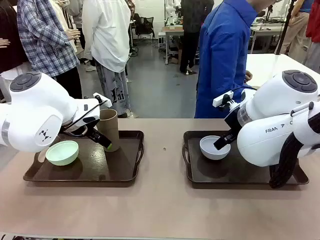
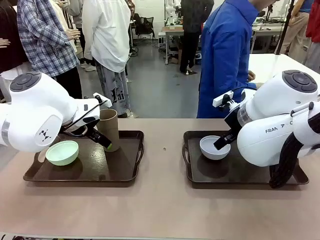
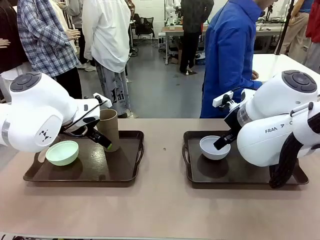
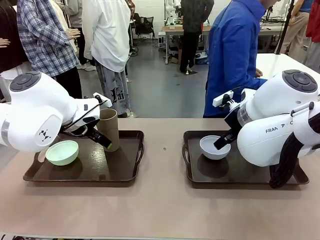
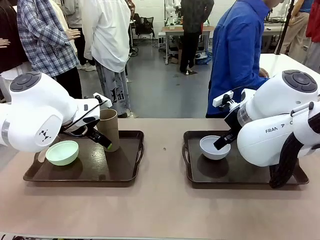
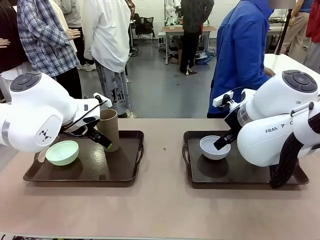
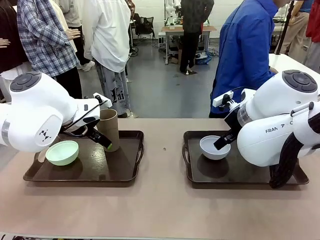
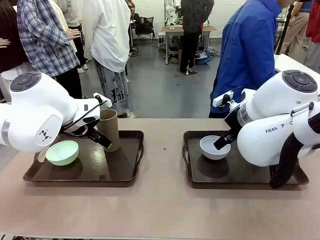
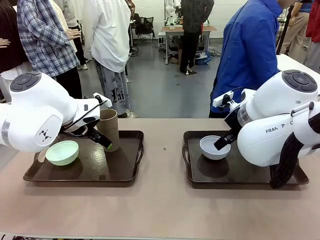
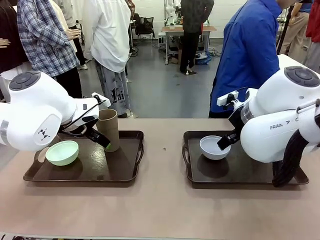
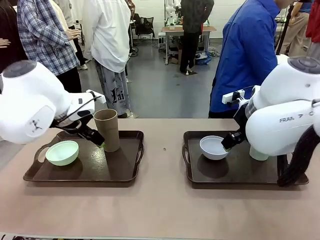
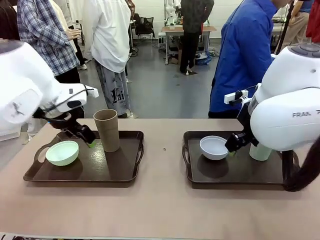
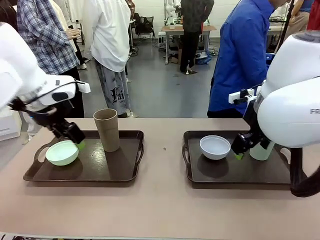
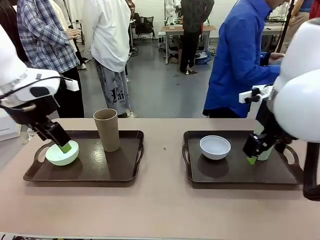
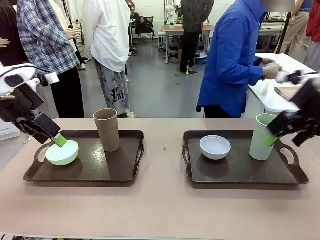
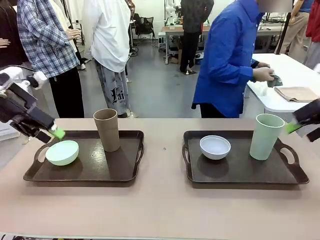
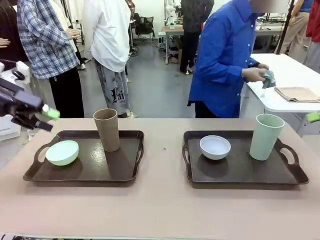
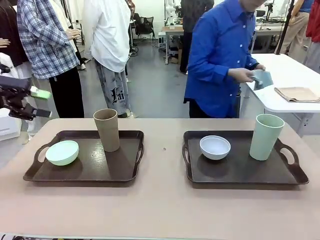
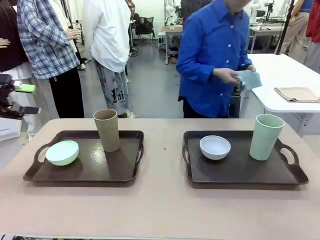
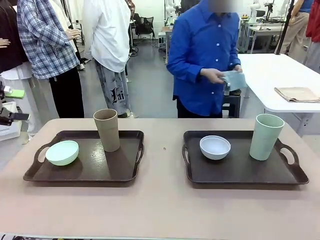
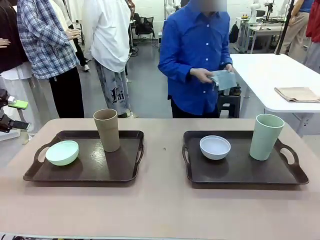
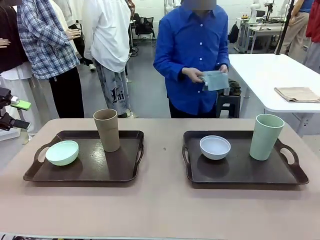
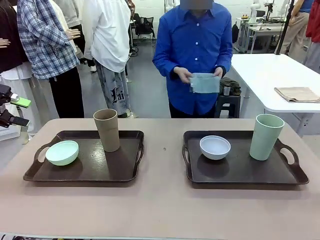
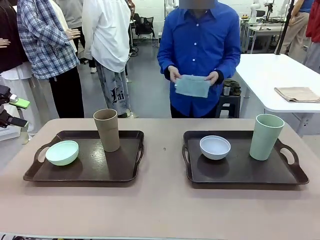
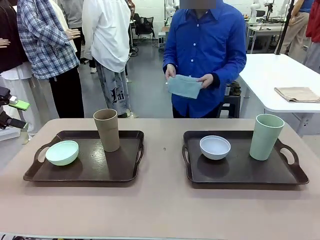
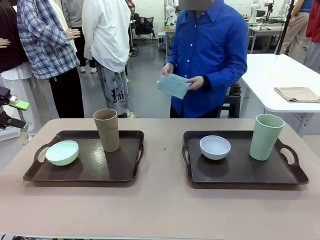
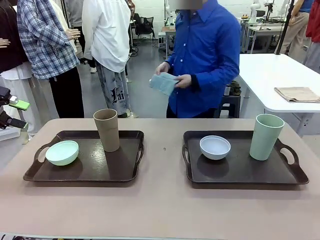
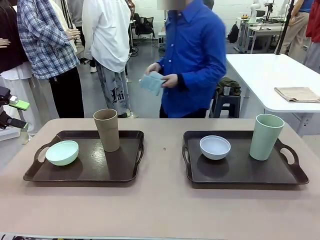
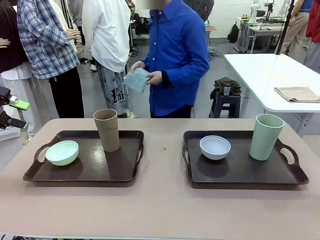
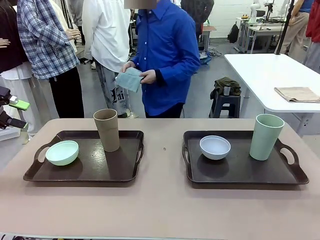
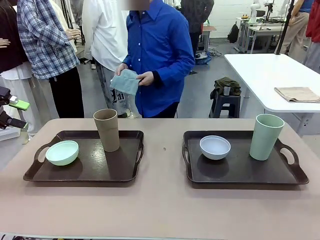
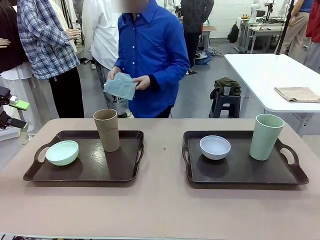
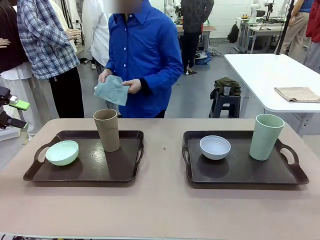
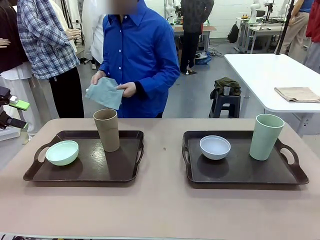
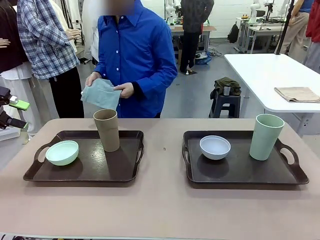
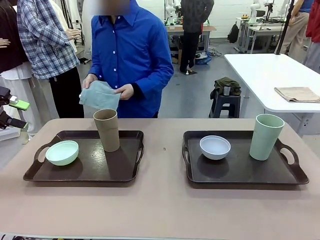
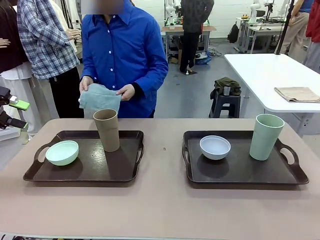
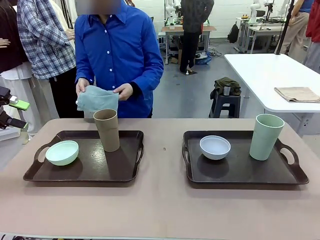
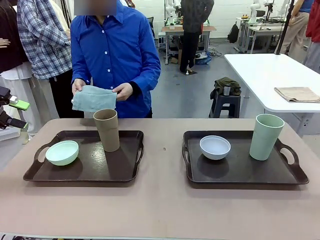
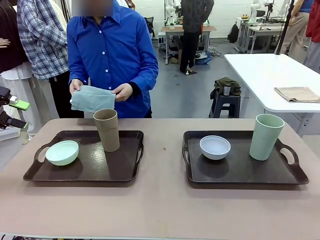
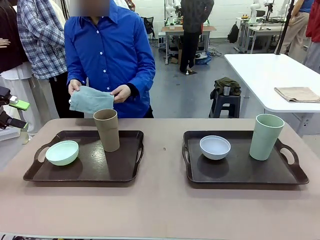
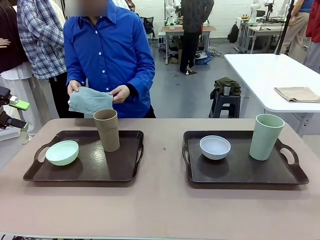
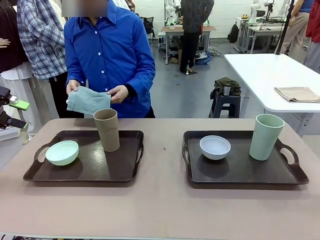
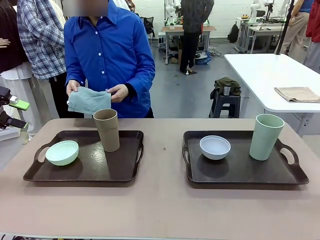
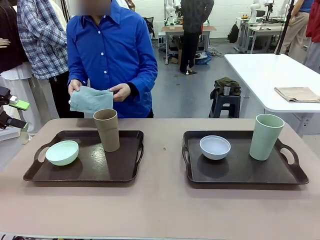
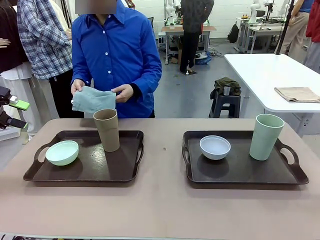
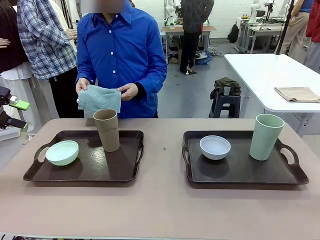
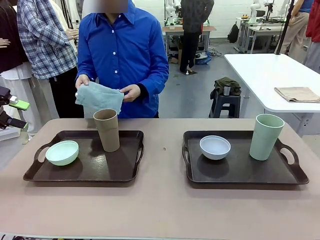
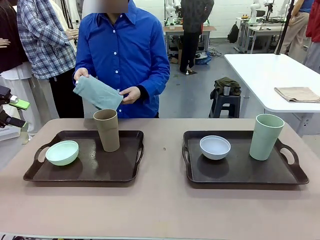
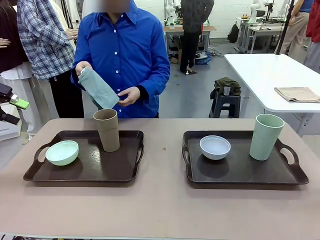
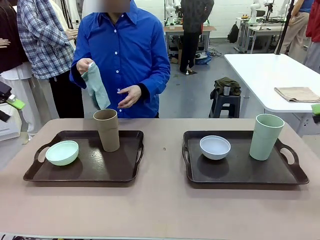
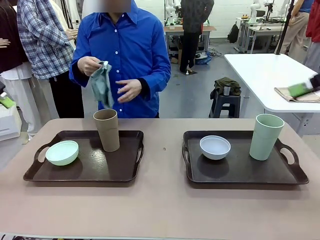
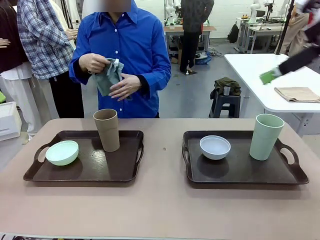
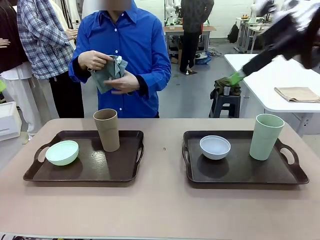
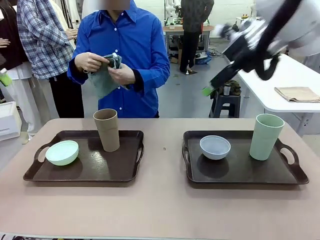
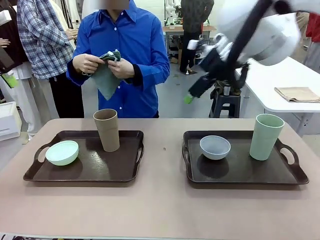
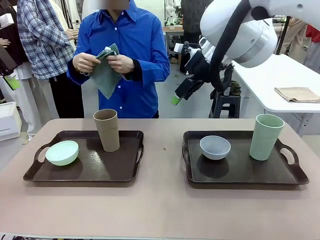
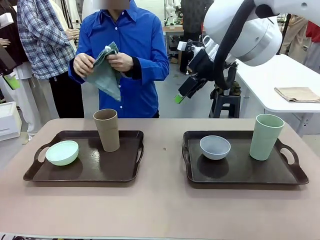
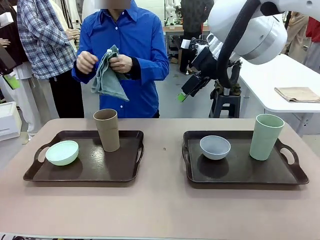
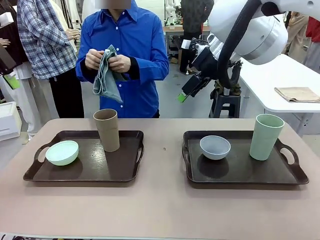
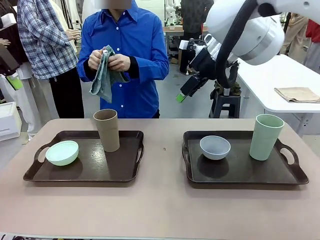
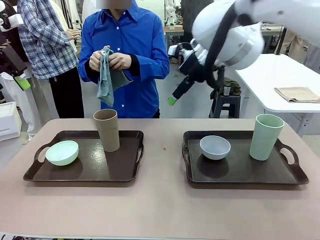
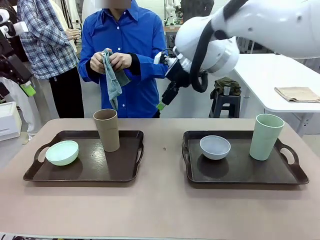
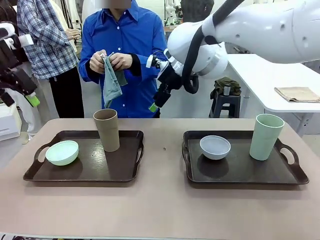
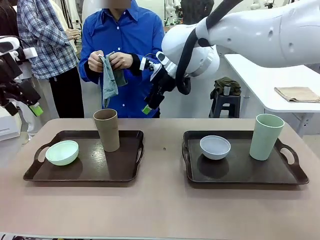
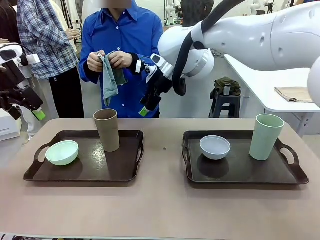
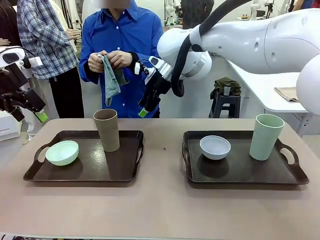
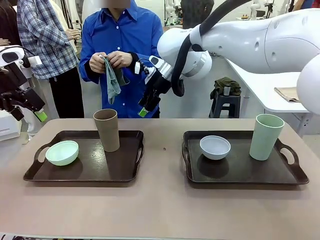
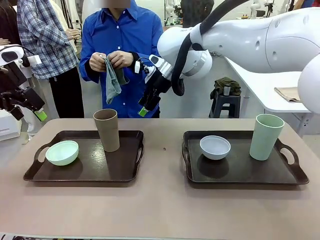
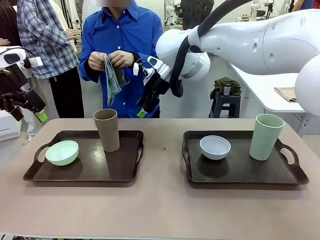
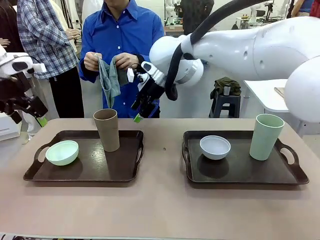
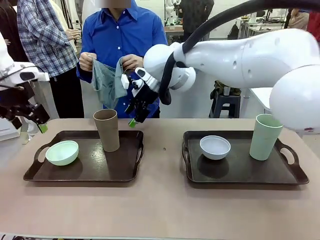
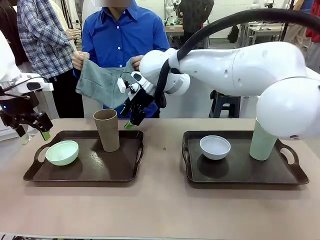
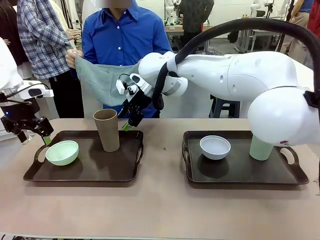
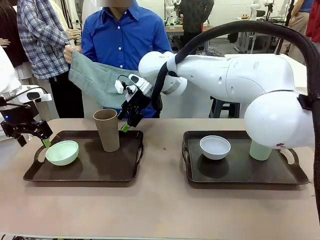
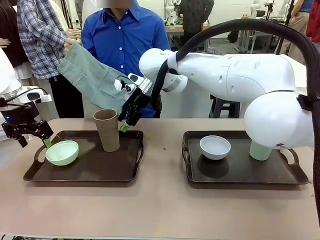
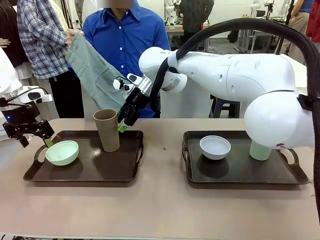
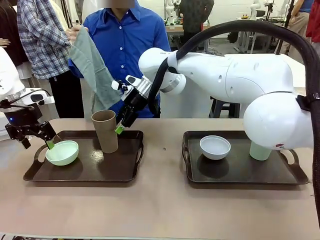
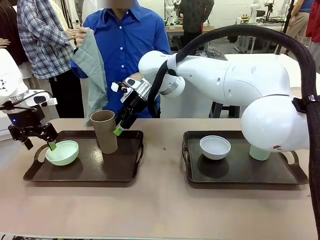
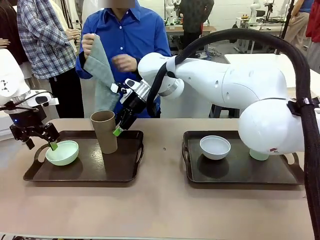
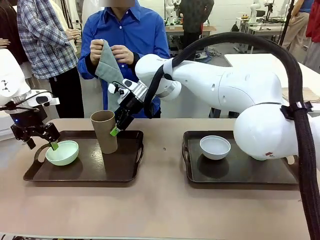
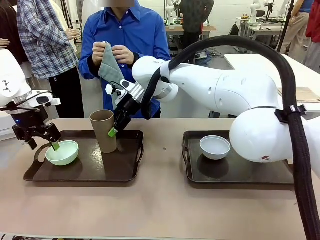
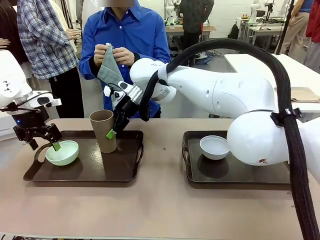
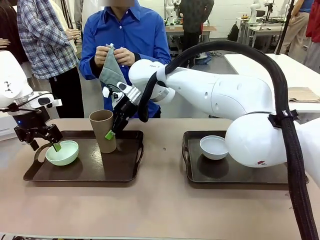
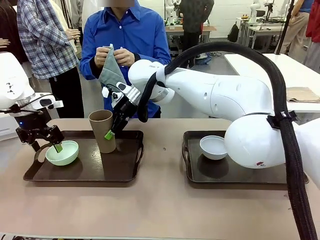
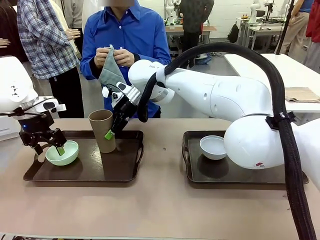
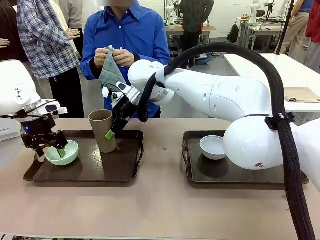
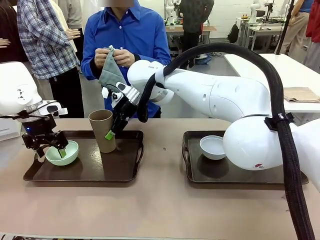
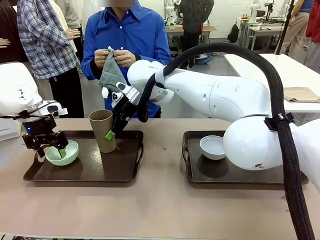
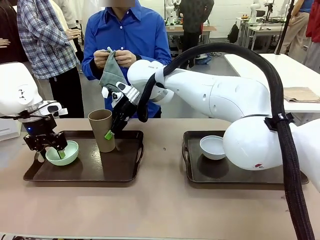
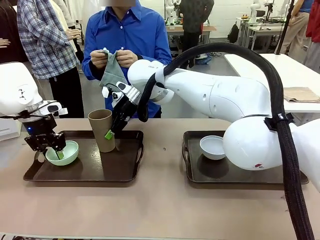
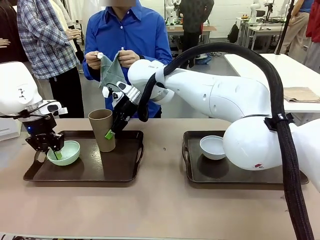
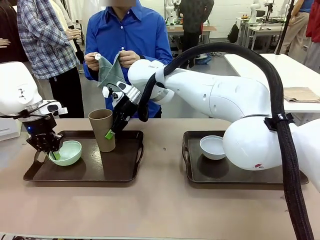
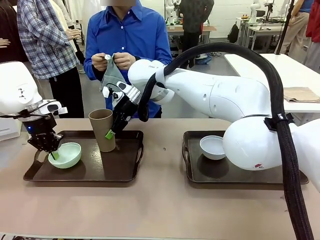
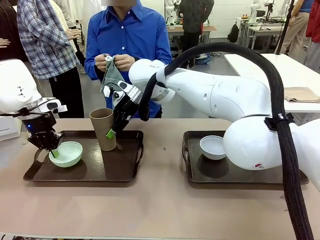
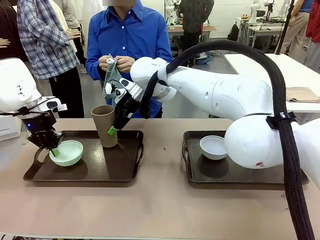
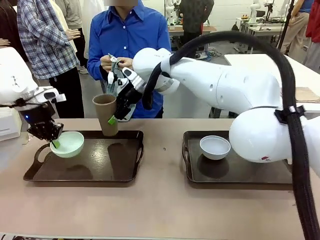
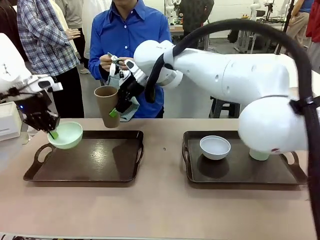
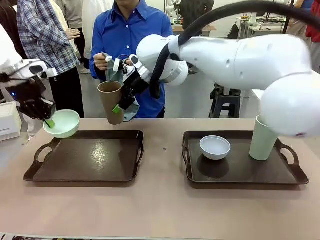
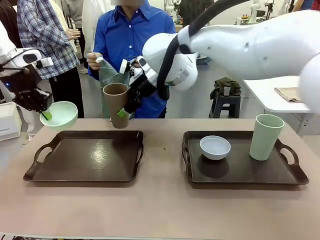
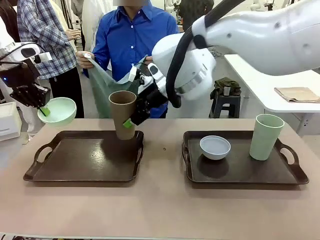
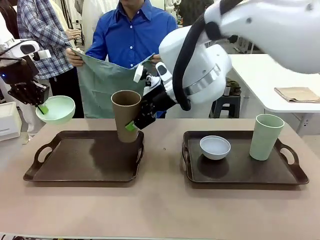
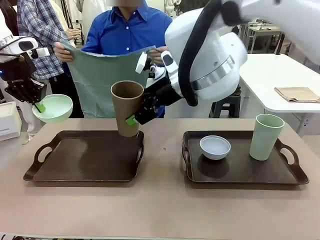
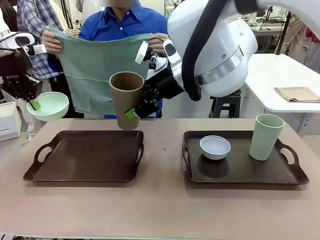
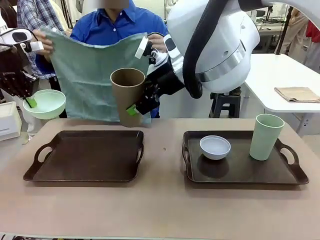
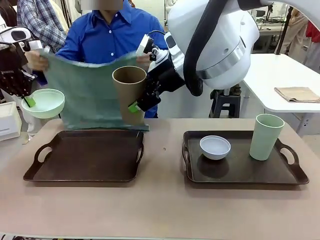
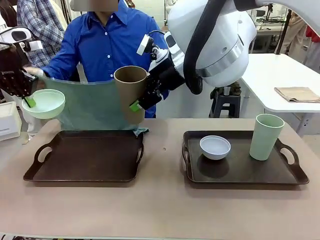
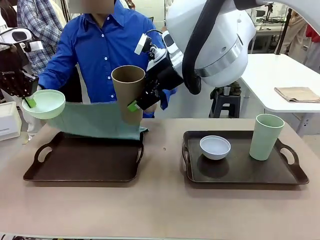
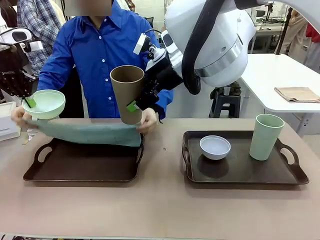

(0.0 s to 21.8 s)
Robot: Pick up the Picnic Bowl and Reusable plastic cup from the Handle tray in front of the human's position and hold them in the air.
Person: The human picks up the top napkin from the stack on the human table and walks to the robot table to stand in front of one of the two trays. When the robot lifts the bowl and the cup, the human unfolds the napkin and lays the napkin flat on the tray.
